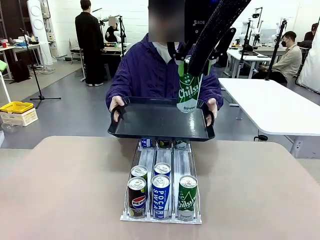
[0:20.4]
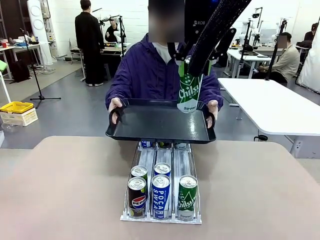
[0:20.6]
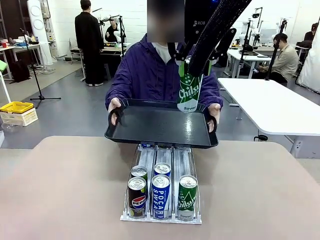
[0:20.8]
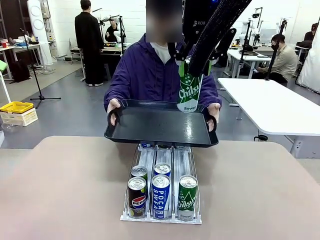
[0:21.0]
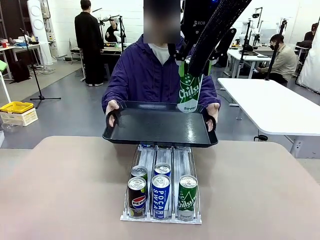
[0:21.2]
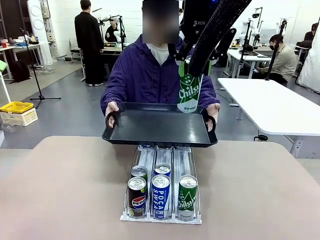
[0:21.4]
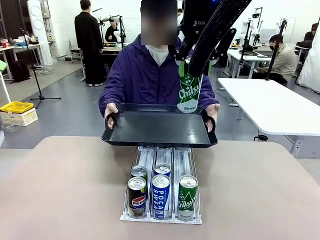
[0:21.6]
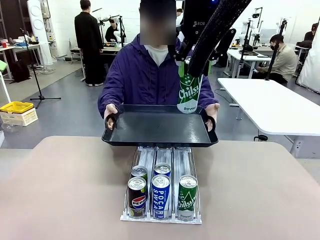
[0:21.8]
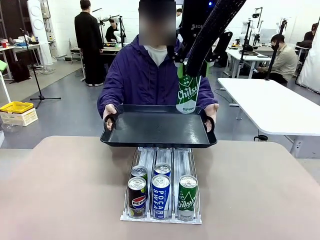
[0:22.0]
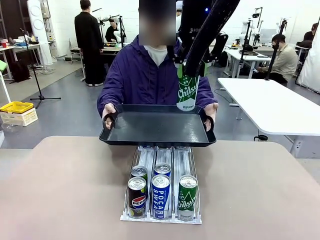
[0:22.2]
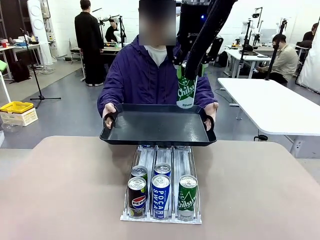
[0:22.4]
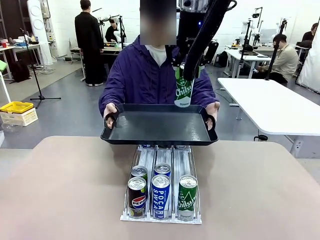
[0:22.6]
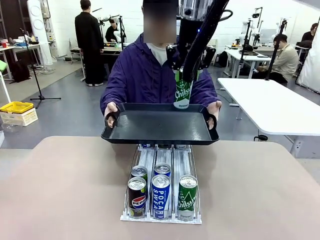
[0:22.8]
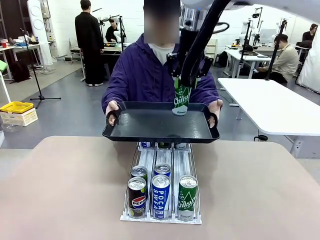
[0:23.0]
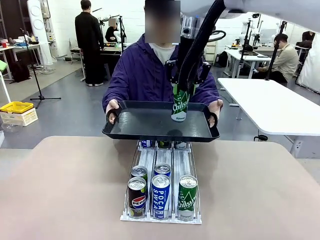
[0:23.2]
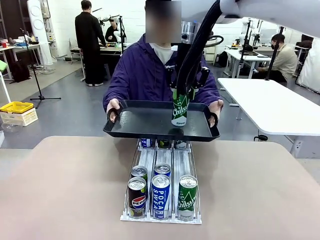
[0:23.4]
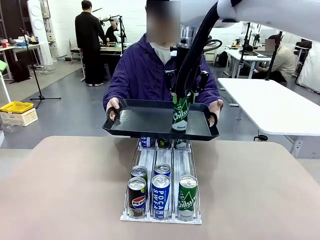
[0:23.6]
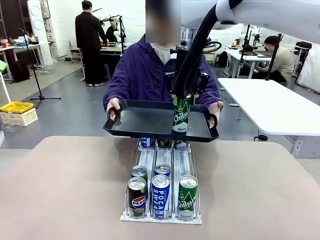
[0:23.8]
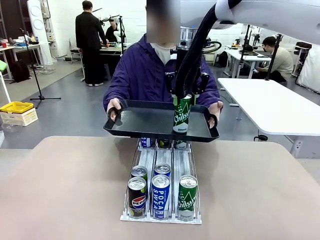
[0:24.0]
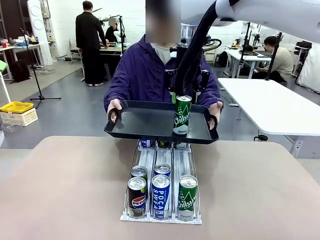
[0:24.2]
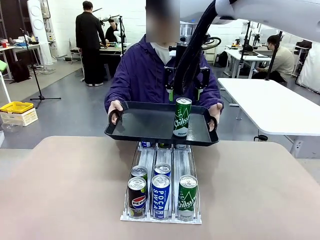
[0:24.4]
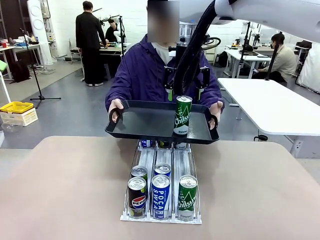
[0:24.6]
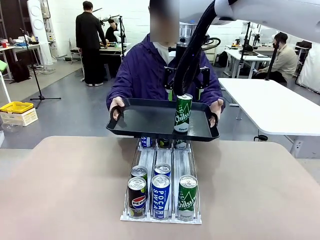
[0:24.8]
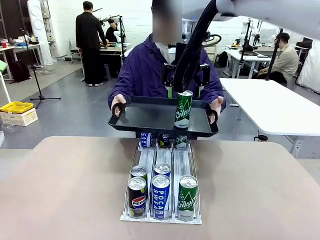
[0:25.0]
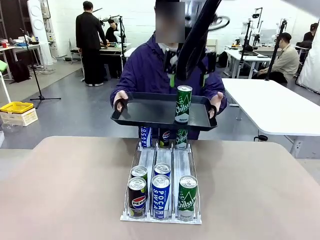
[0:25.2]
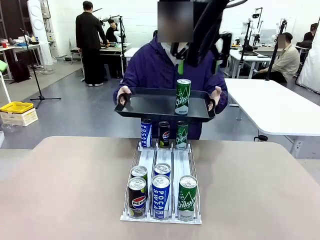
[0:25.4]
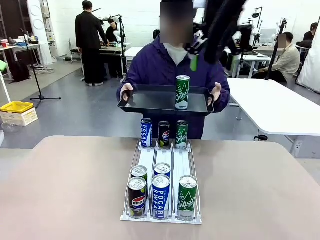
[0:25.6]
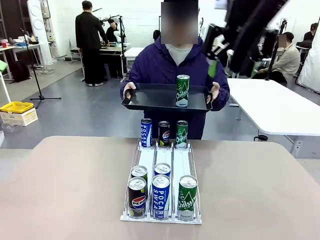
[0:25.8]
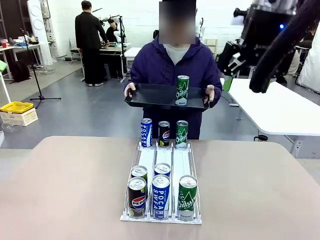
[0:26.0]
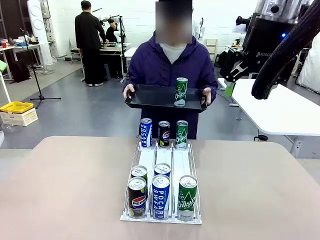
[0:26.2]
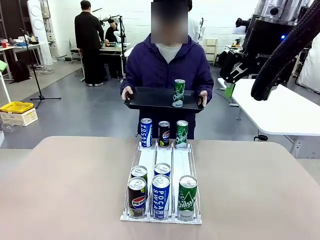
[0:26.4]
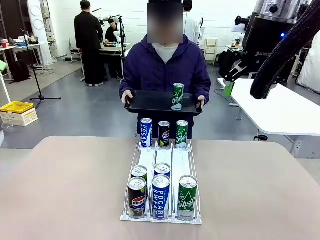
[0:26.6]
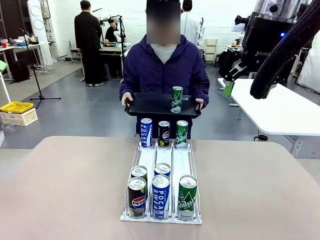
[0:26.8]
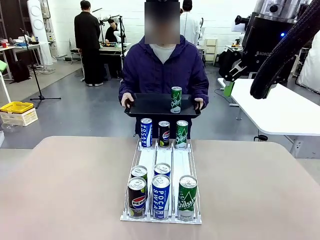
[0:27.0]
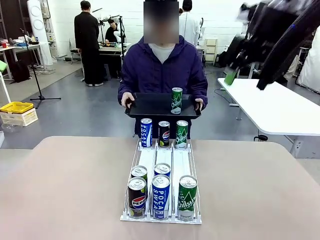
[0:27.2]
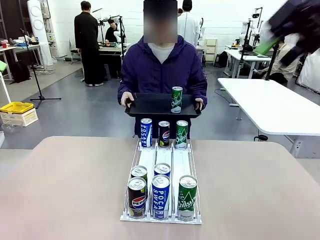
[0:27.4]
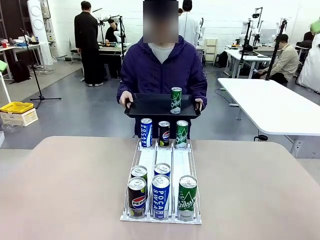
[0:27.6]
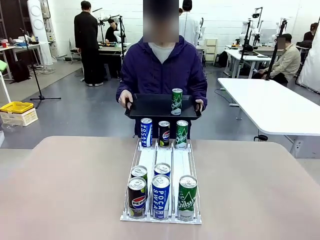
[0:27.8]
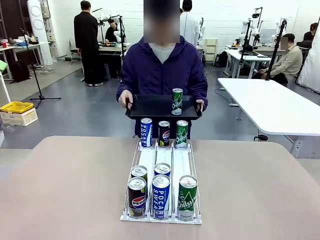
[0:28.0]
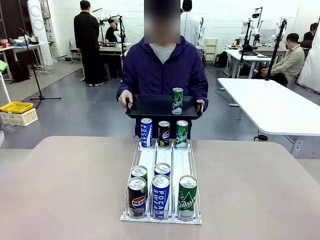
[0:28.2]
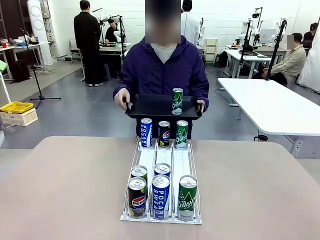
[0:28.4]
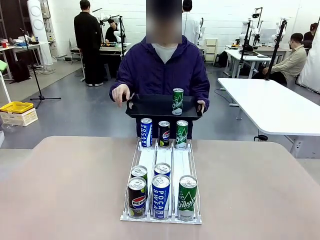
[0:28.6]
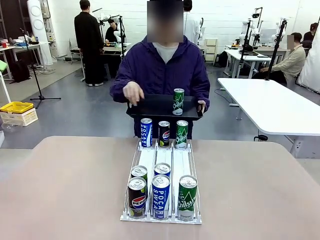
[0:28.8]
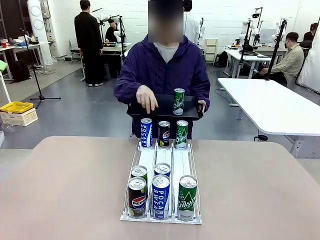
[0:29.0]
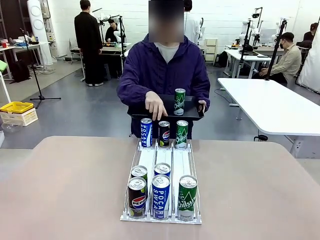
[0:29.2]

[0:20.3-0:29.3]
Task: Retrieve and hand over the desired beverage to the person.
Robot: Place the picked can on the Handle tray extended by the person.
Person: Pull the tray back, then pick up another can from the bottom area of the table and puts it back in its original place.

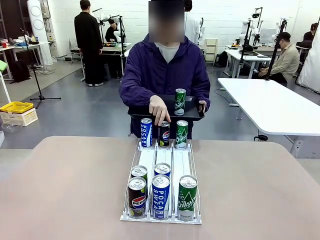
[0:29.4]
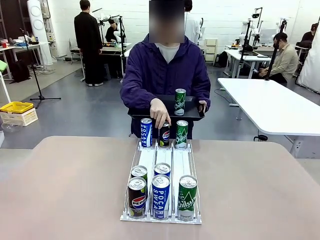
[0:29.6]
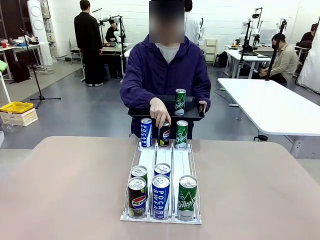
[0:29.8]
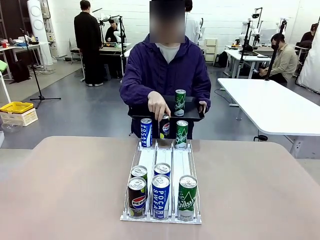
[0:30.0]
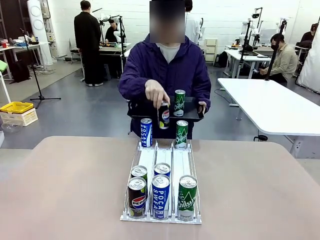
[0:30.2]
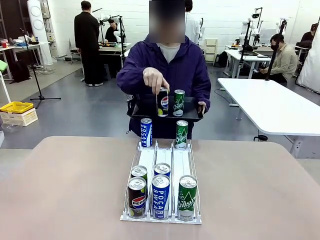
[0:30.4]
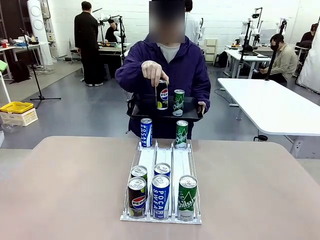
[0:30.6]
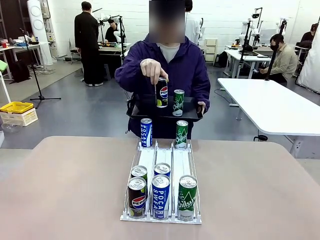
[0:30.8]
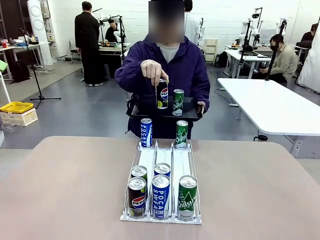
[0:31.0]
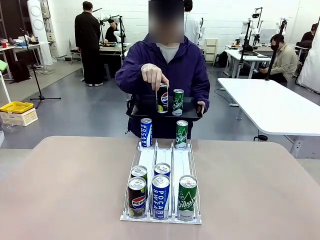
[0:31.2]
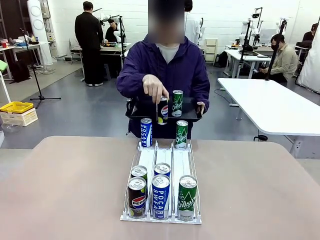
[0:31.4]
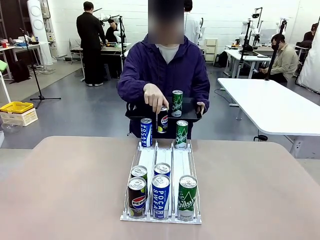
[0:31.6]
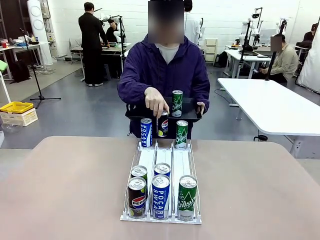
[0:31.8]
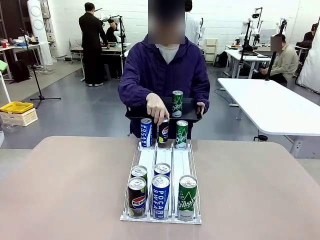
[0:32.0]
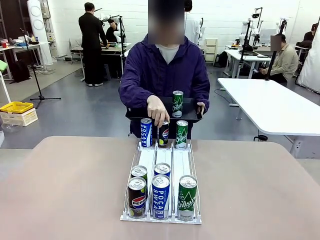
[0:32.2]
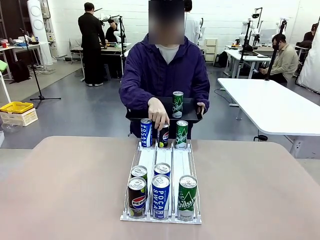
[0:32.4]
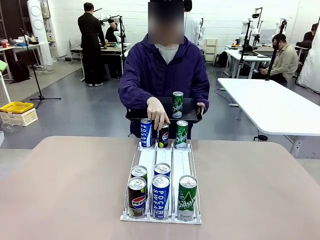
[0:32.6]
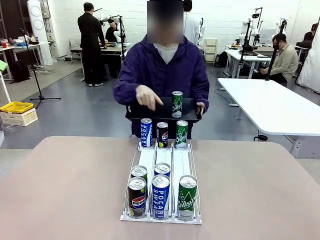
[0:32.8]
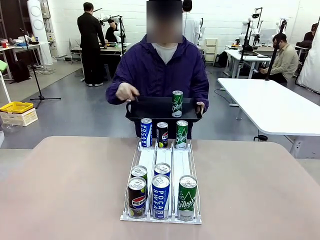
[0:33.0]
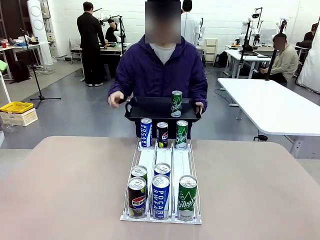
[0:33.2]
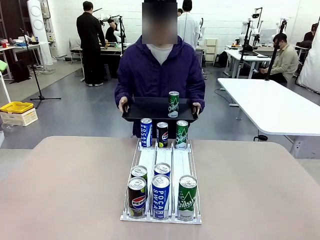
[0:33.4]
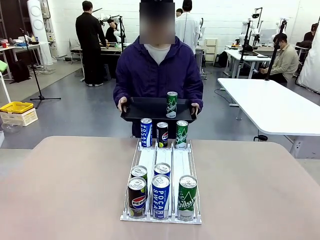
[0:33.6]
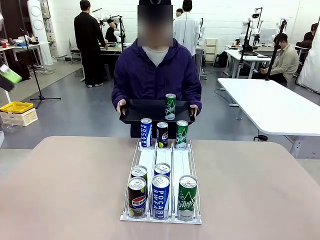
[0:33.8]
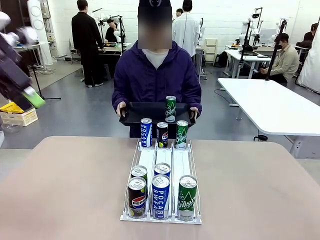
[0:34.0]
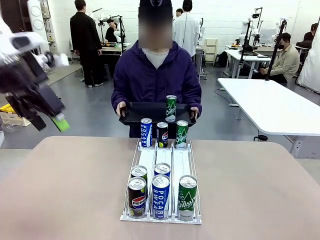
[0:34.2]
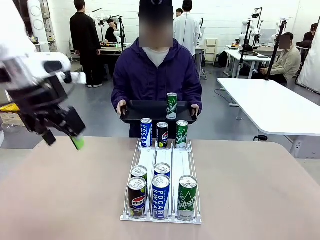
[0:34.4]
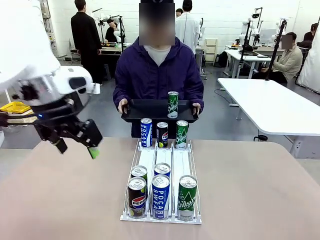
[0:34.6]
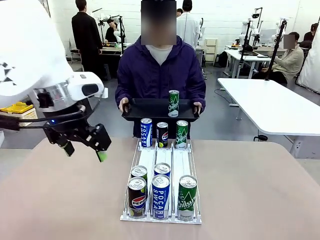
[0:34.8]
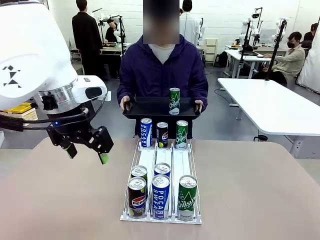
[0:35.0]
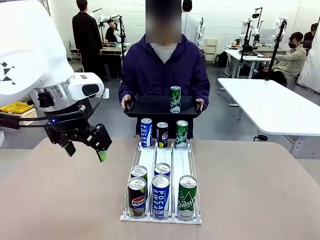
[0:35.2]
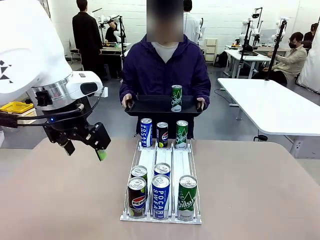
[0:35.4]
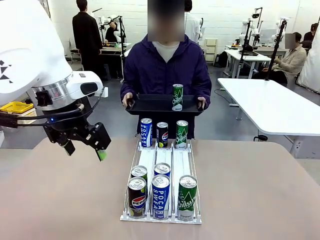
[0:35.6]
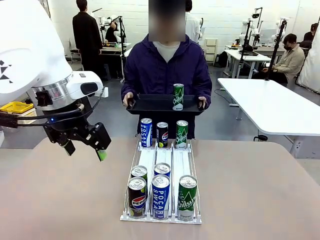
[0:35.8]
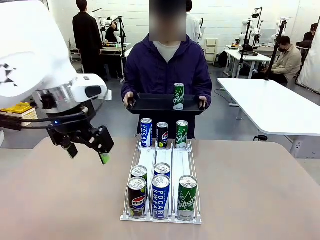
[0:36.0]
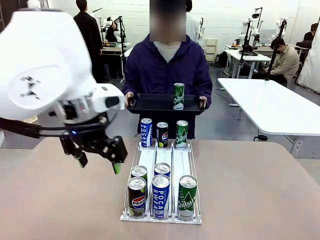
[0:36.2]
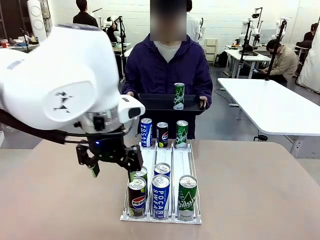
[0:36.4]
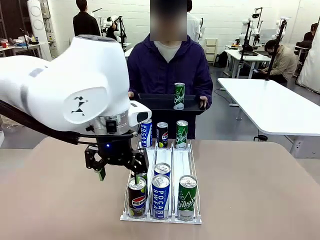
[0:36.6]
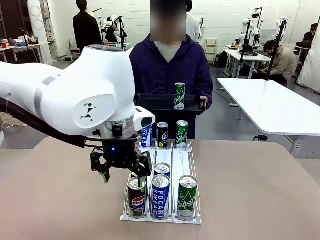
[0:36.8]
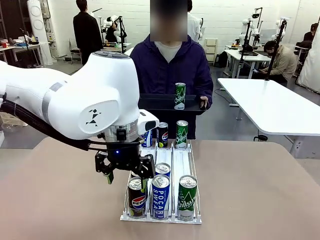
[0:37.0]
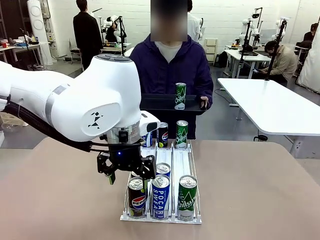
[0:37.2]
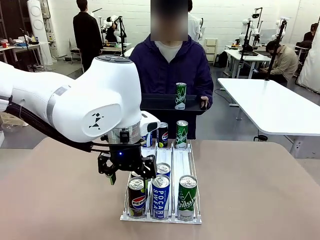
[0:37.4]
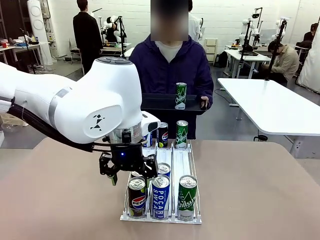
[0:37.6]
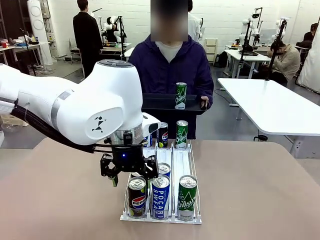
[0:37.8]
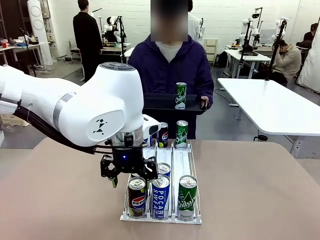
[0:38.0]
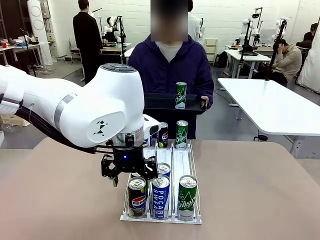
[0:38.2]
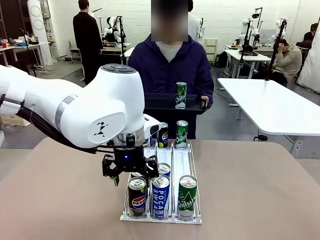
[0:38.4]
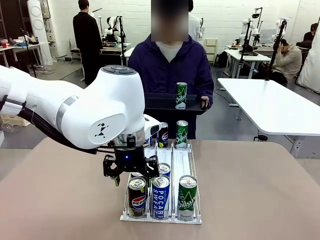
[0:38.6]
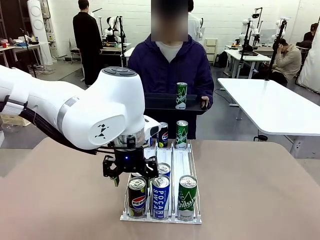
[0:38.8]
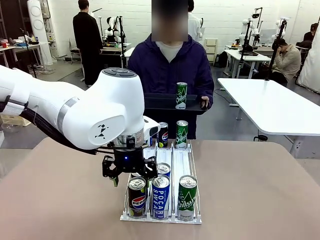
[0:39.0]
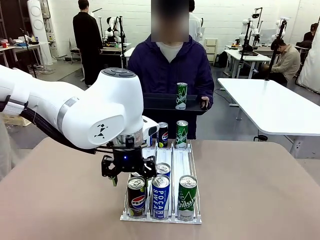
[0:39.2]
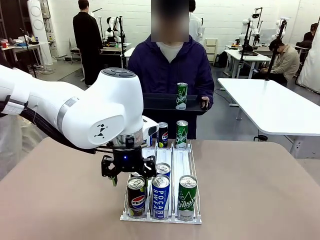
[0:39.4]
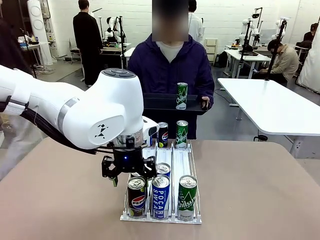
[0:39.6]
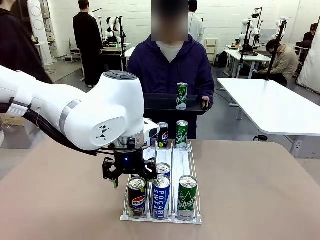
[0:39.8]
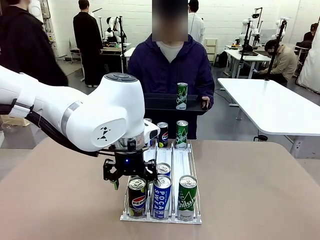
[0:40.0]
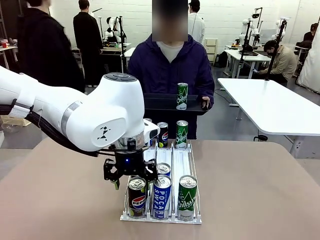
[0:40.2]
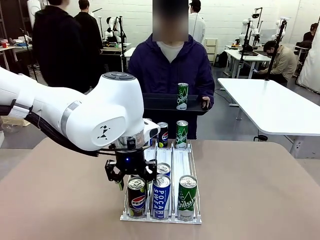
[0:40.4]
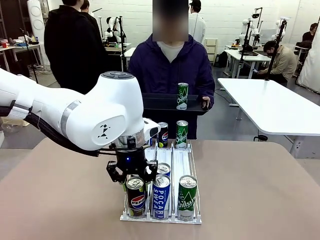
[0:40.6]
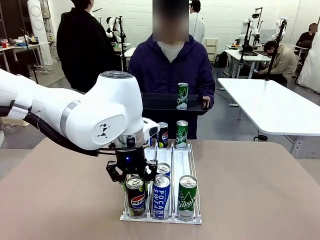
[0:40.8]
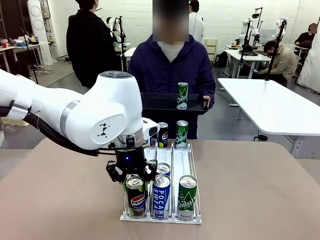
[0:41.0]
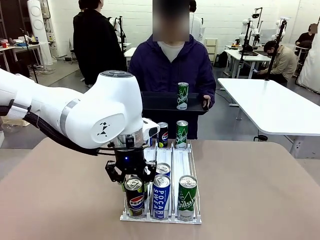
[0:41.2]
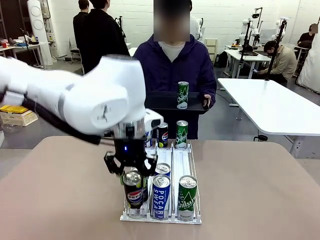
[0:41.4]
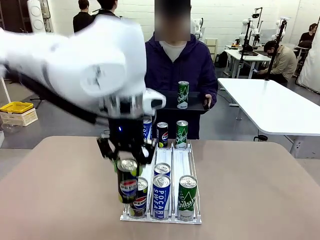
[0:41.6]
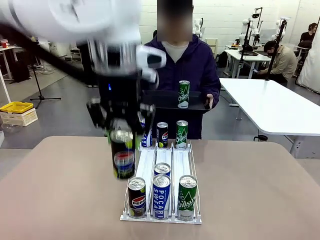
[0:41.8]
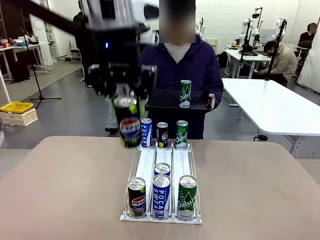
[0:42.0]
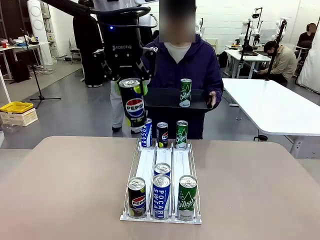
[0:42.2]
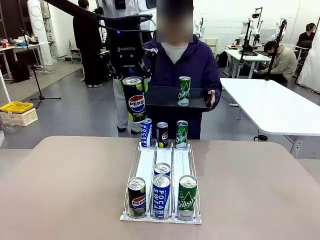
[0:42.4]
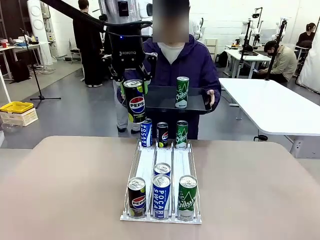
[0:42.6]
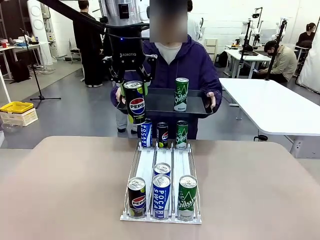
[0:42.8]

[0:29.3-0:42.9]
Robot: Pick up another can of the same type that the person held from the Automatic Can Dispenser.
Person: Push the tray toward the robot again.
